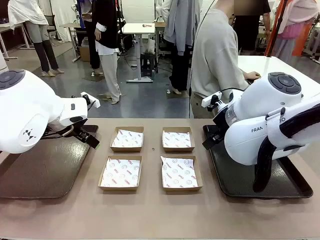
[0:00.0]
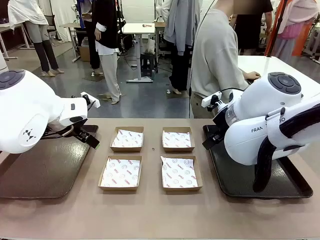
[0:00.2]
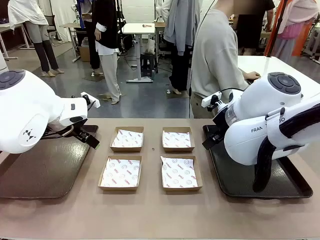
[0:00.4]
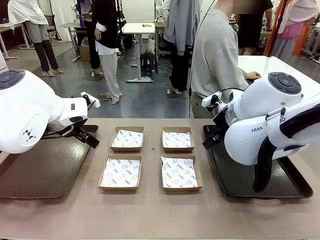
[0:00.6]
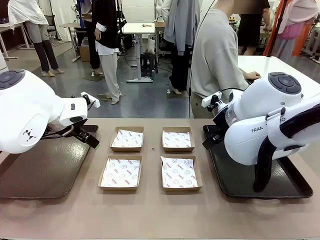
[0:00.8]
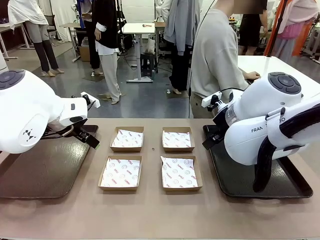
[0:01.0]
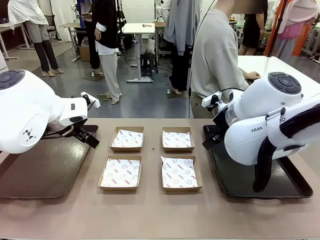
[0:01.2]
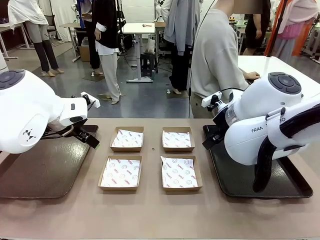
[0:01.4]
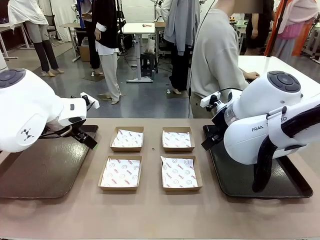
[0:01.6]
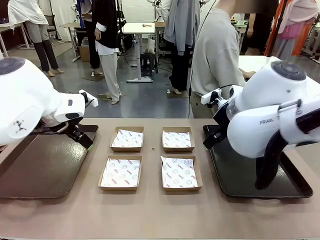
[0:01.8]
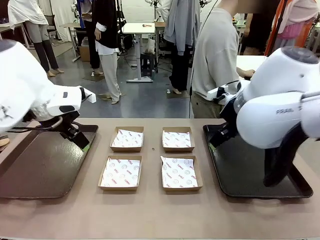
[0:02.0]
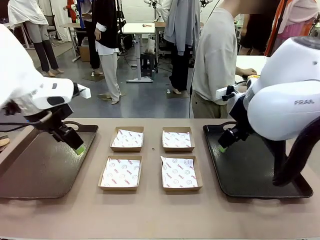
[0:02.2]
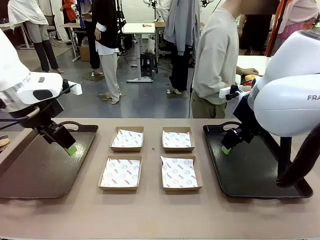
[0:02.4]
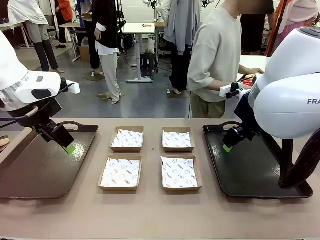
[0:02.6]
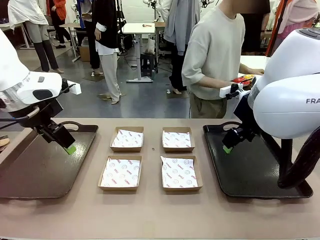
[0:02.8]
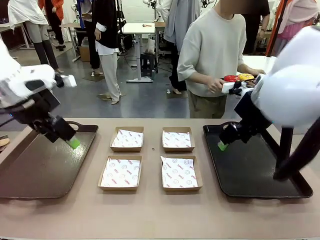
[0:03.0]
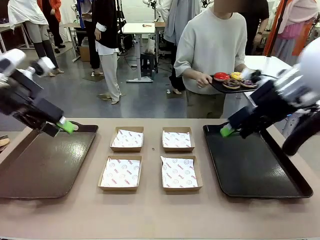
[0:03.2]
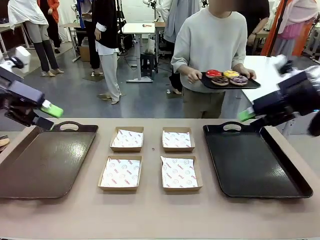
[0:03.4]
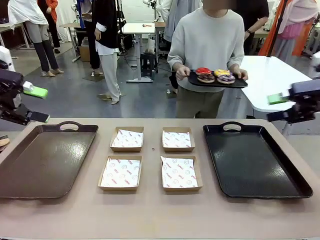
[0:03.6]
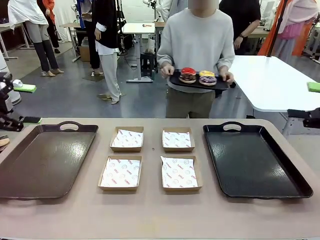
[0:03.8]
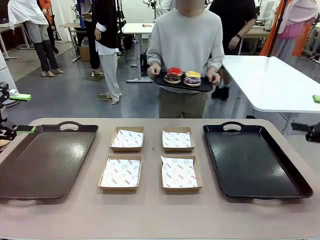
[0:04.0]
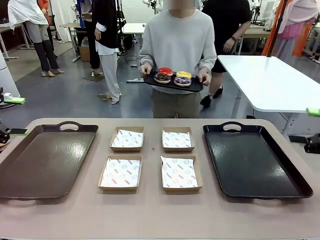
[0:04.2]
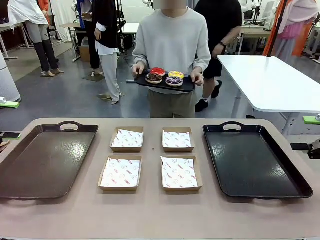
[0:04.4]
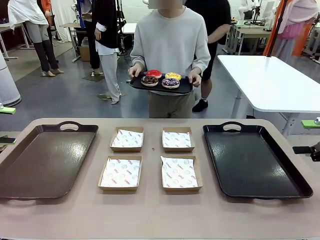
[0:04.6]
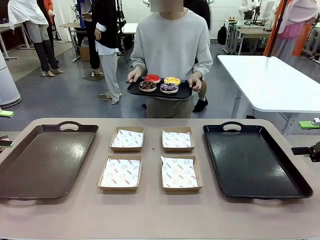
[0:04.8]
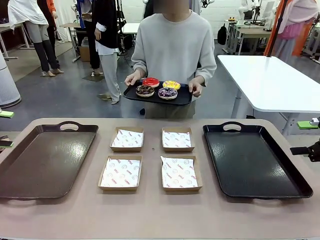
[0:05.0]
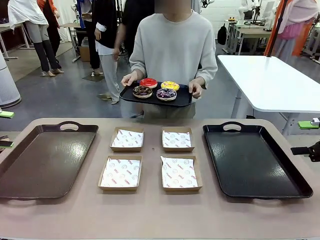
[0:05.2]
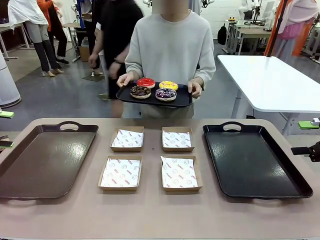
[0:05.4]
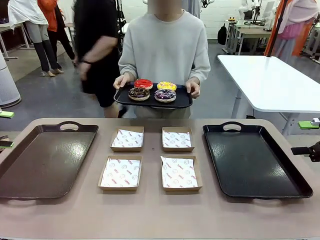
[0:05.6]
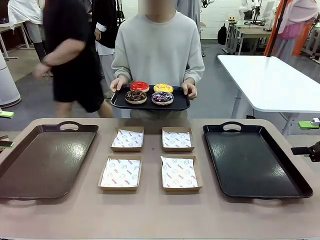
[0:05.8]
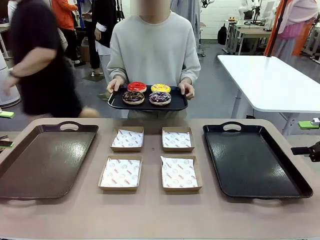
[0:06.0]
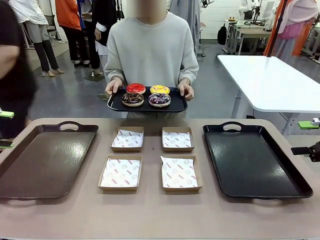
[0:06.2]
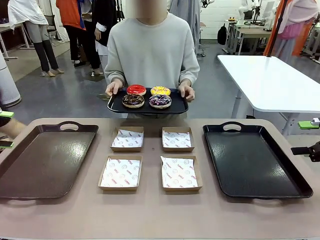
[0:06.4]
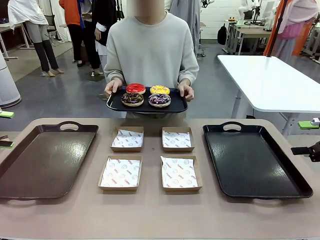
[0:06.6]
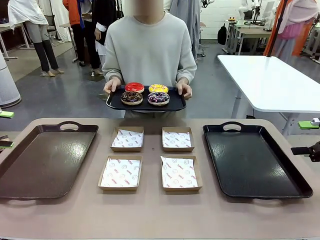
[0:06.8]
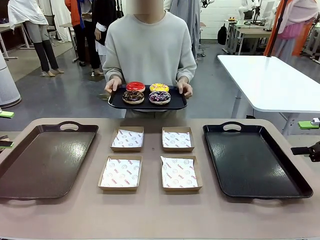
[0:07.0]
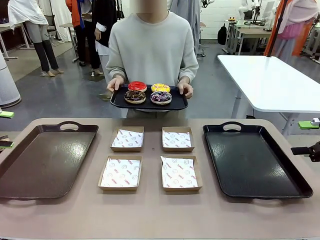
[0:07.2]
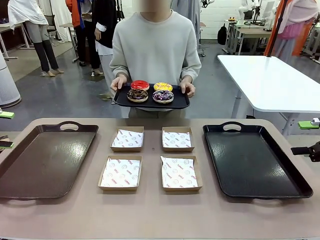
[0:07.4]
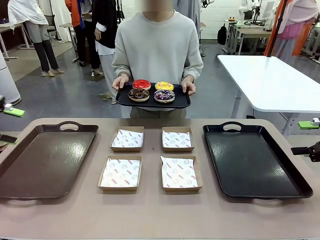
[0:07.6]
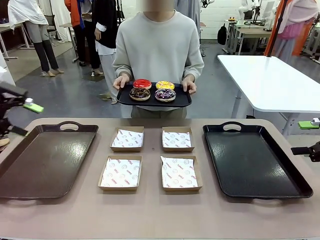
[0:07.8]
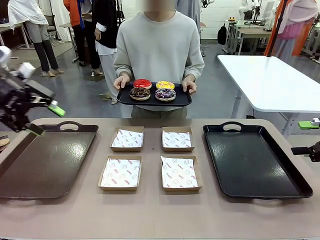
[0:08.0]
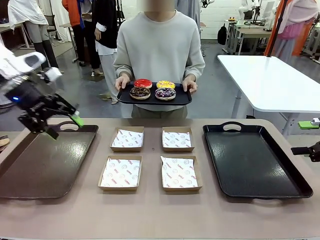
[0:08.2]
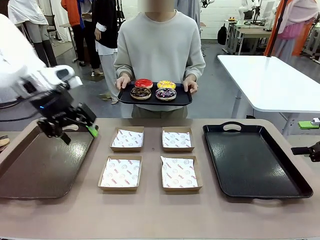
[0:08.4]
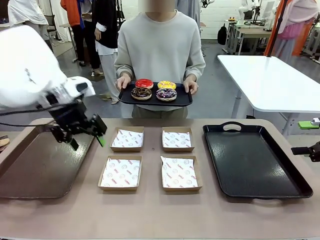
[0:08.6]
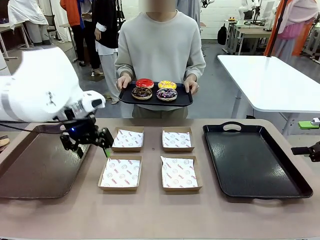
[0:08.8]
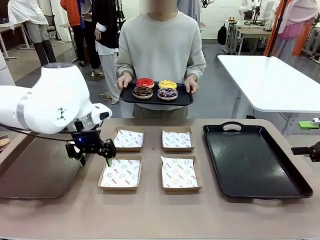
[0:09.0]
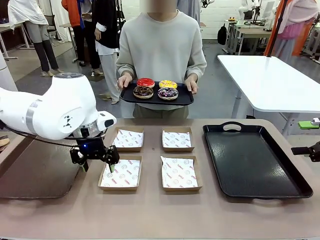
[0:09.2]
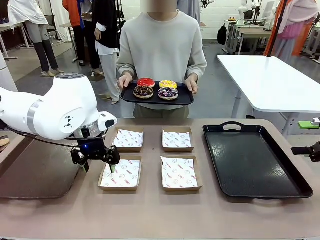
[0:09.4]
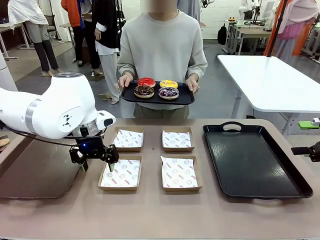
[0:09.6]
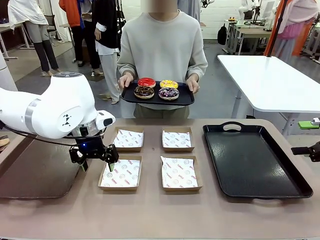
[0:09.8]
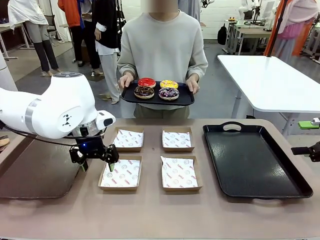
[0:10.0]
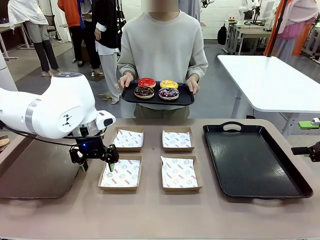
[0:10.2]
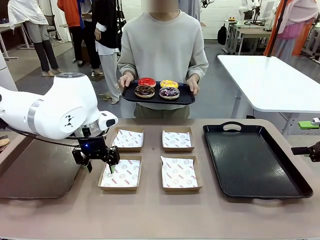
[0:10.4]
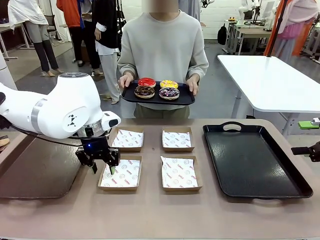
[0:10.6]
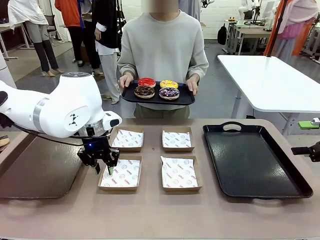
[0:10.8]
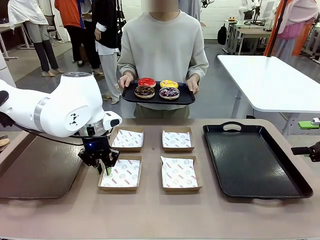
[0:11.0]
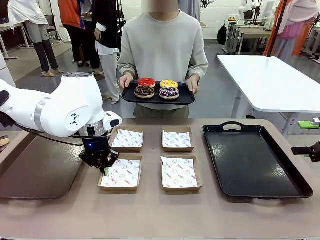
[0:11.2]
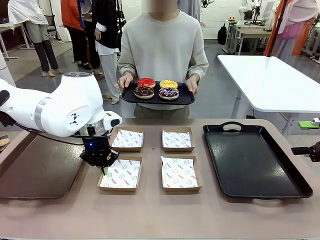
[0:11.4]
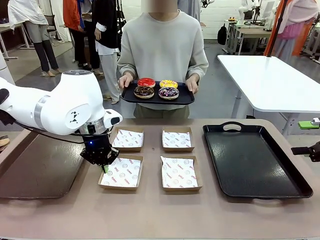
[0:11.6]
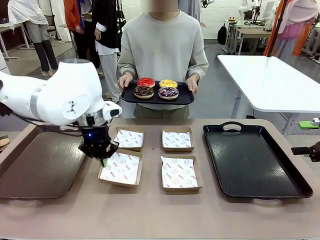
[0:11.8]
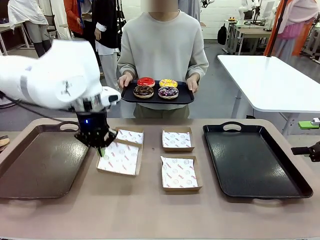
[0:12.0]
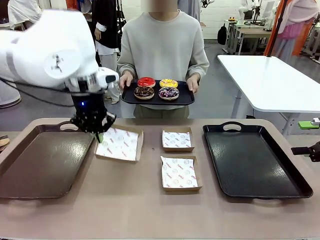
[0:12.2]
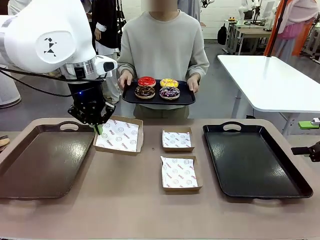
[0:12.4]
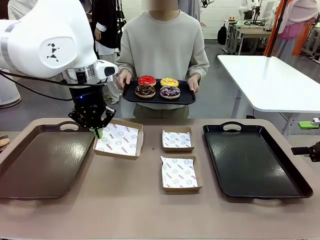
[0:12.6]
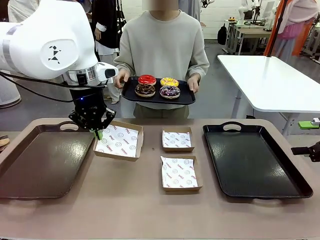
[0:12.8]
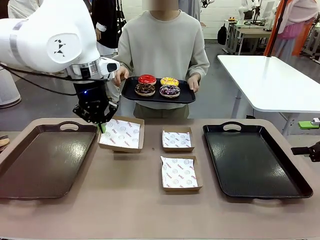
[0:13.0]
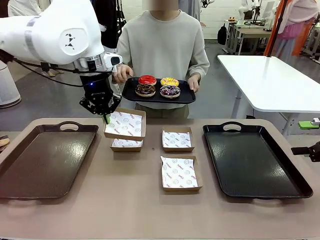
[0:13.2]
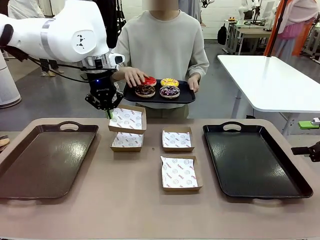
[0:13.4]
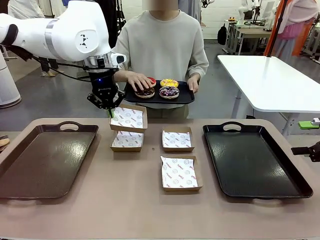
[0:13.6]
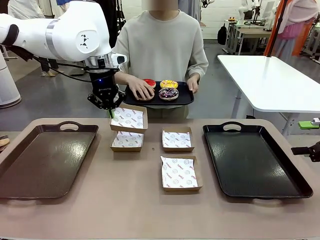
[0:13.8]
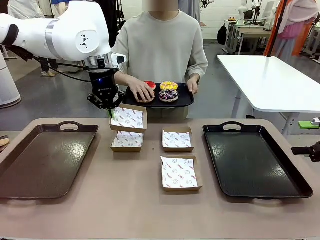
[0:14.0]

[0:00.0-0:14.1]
Task: Individually package the donuts and arrange them on the tray.
Robot: Pick up one Paper togo box.
Person: Stand in front of the robot table holding the tray containing the donuts.
